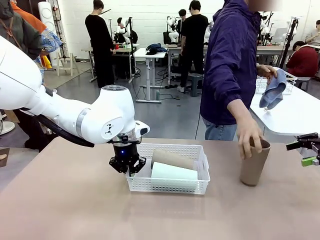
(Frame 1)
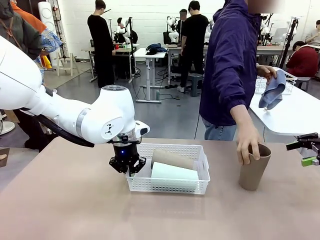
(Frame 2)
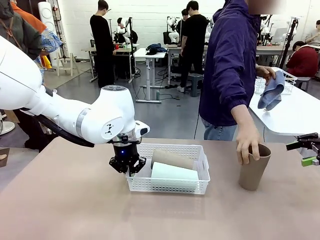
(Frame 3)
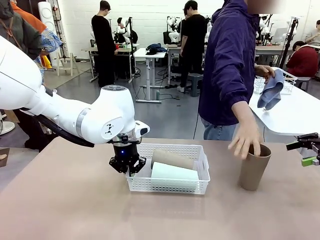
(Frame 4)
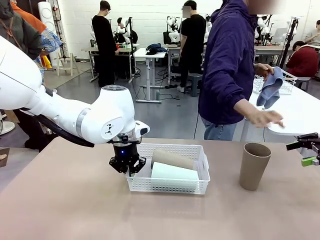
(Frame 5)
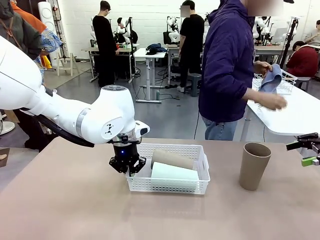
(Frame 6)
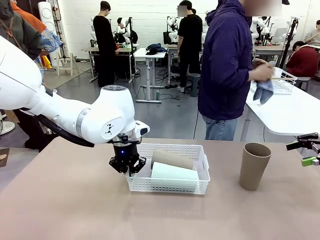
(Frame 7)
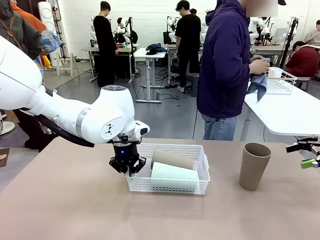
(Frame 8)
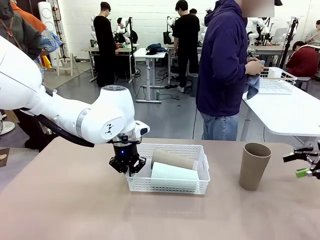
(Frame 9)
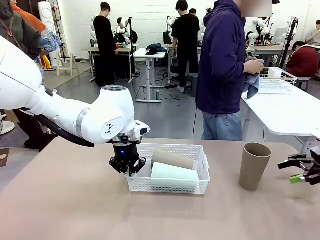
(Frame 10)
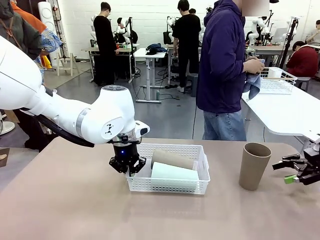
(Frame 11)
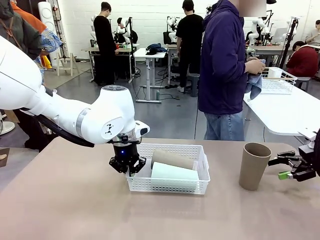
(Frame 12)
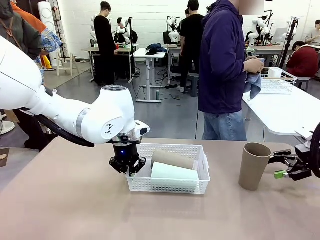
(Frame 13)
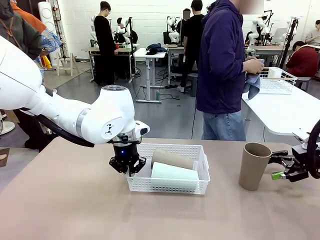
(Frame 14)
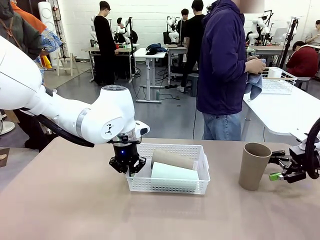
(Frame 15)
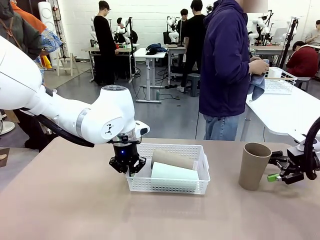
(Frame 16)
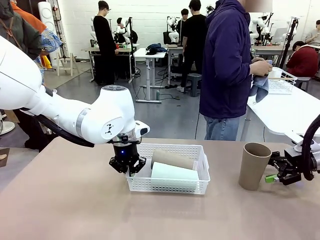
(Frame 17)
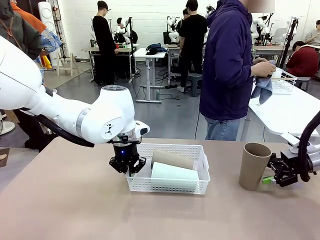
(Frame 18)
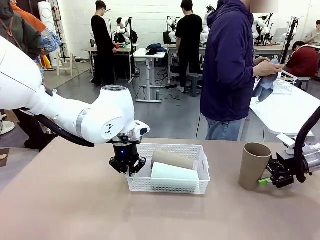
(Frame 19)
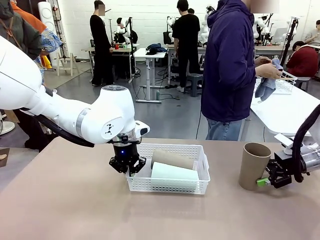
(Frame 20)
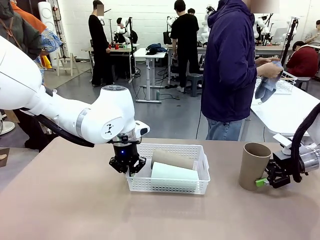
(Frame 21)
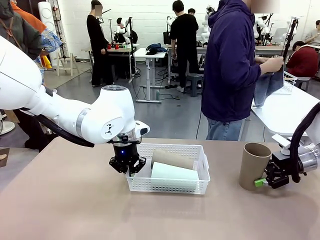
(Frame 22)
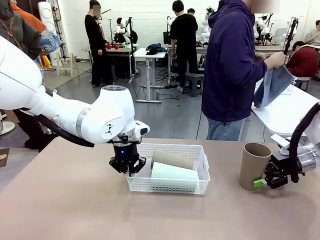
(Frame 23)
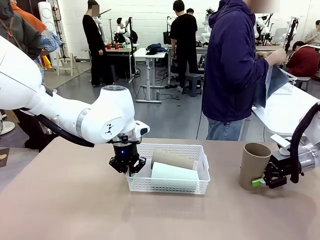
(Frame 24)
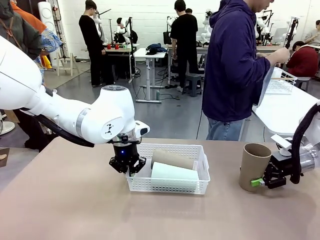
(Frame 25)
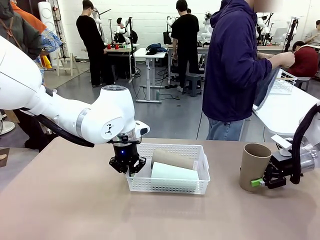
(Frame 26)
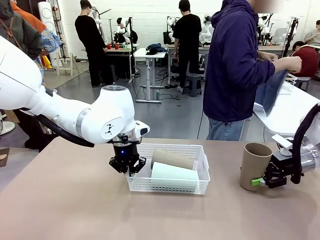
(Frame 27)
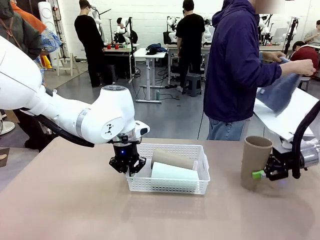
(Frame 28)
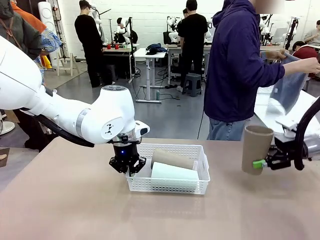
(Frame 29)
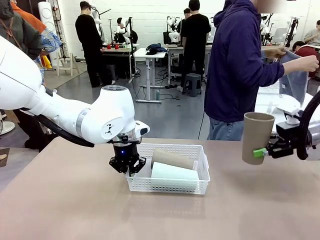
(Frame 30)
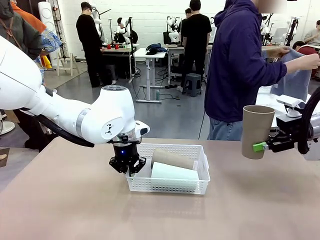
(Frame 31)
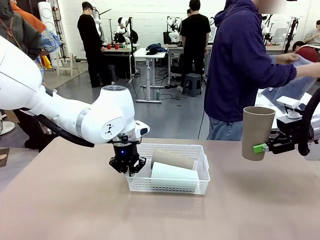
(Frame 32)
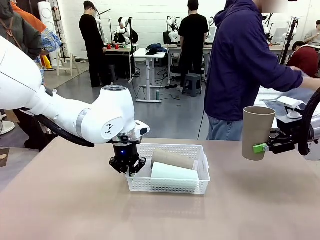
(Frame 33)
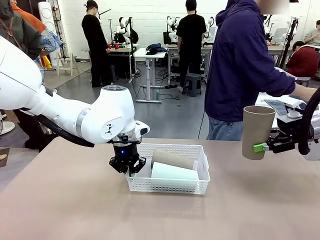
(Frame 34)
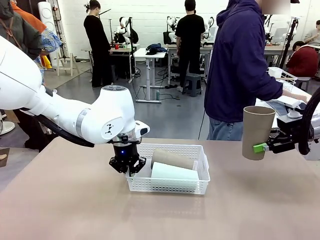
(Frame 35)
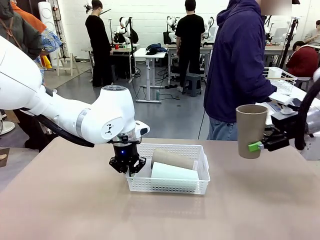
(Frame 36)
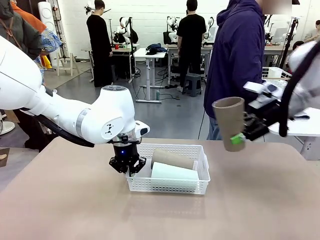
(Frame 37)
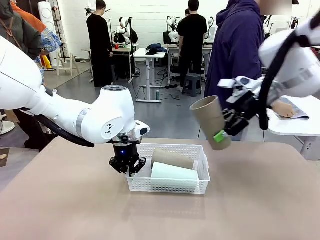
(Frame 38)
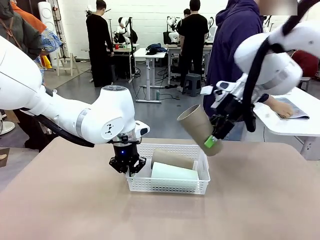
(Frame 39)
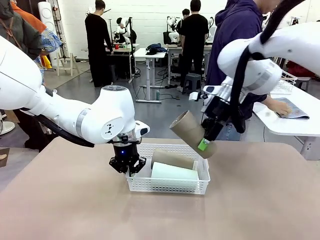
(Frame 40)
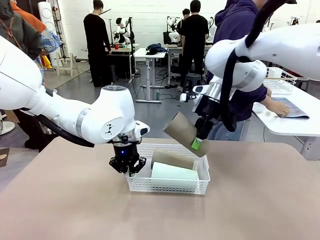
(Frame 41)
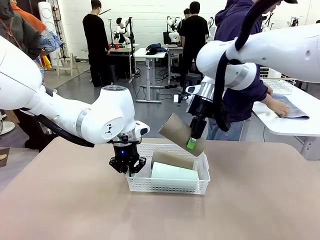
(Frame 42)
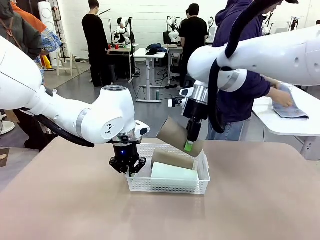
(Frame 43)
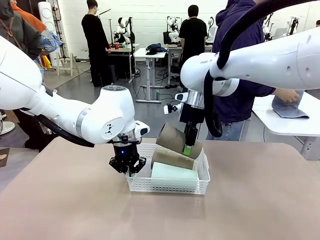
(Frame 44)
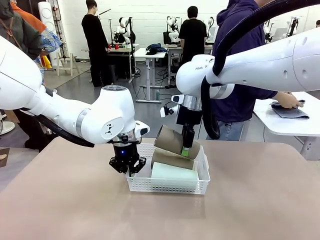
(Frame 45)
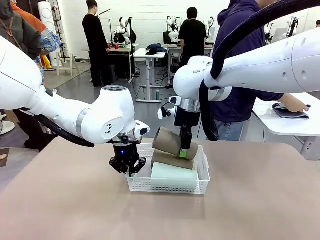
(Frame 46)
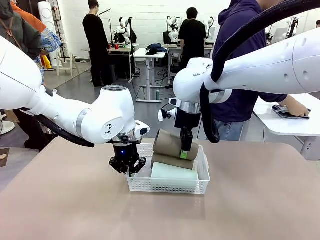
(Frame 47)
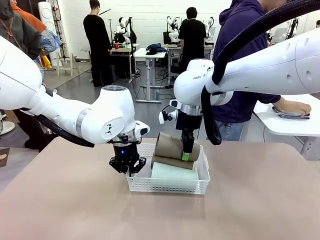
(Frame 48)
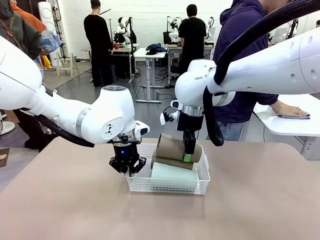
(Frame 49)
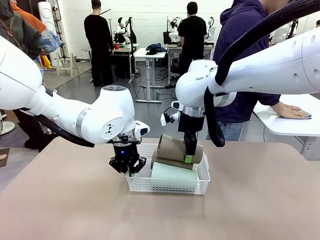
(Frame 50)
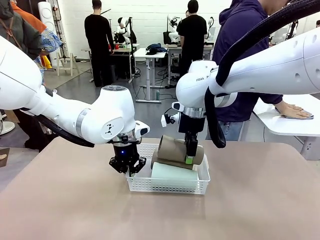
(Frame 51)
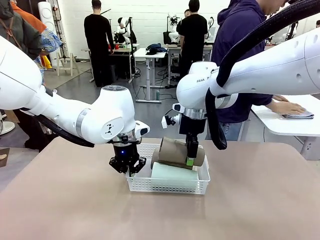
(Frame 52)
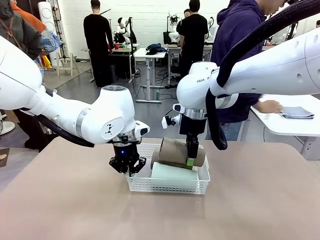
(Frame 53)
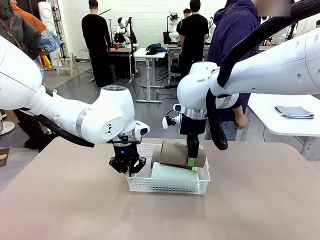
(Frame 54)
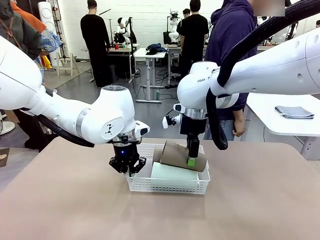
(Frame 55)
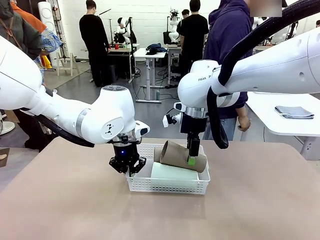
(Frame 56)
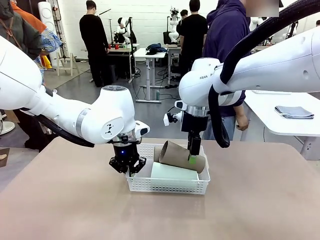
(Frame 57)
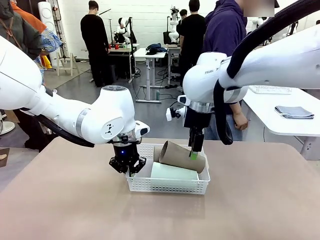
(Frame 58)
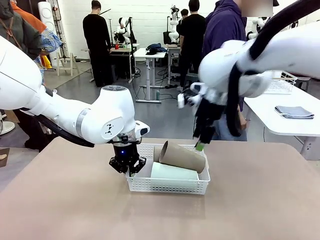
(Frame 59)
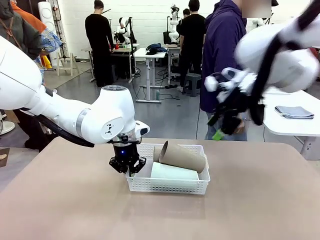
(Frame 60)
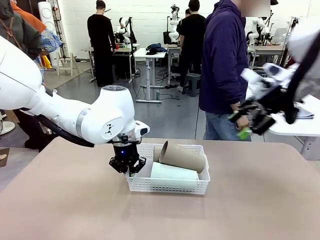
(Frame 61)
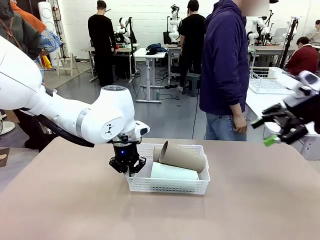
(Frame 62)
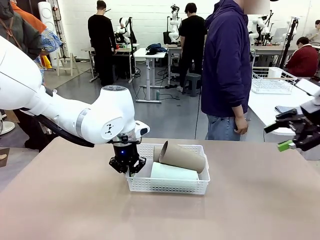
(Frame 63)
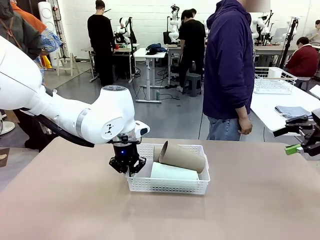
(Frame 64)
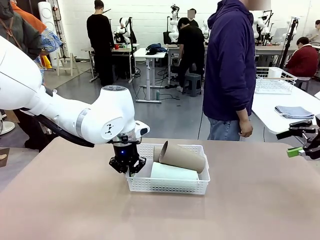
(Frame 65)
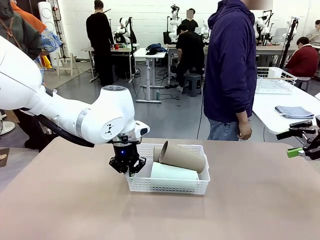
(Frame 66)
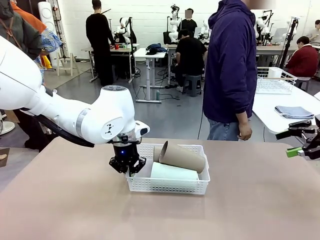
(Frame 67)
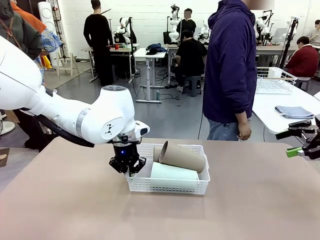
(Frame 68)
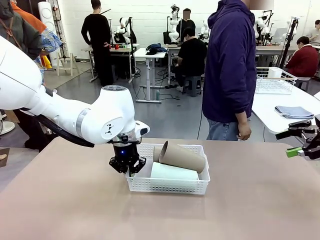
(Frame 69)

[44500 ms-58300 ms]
Task: Clean and organize the cups into the basket.
Robot: Pick up the Reusable plastic cup from the right side of the table and stack it inside the Organizing basket in the center of the table.
